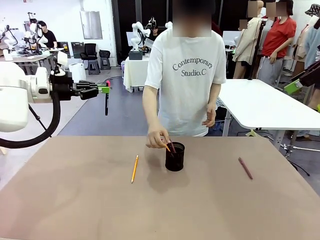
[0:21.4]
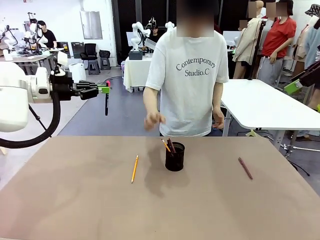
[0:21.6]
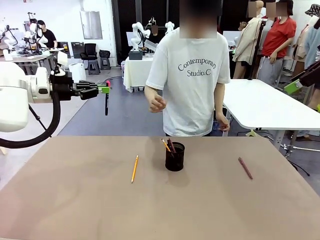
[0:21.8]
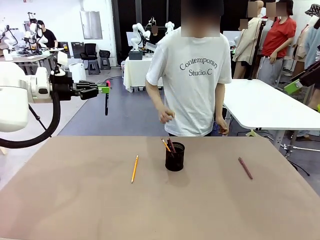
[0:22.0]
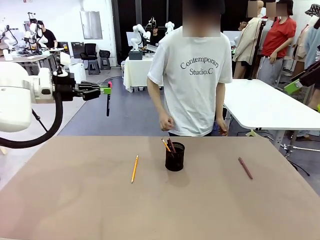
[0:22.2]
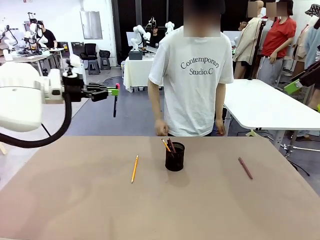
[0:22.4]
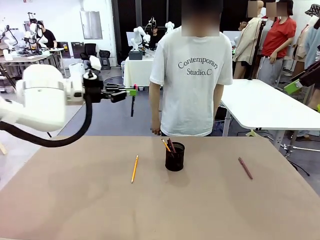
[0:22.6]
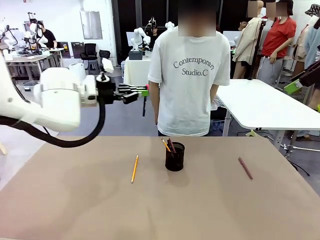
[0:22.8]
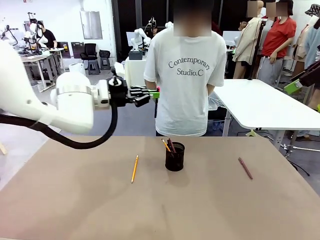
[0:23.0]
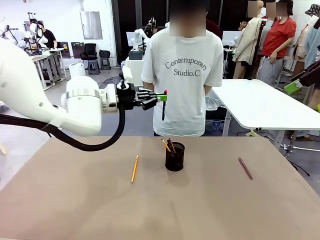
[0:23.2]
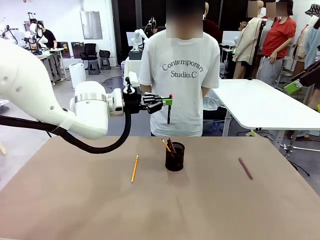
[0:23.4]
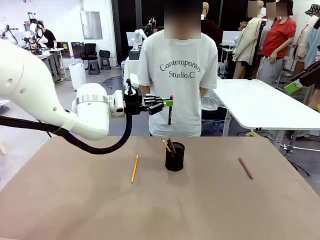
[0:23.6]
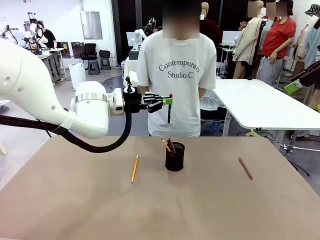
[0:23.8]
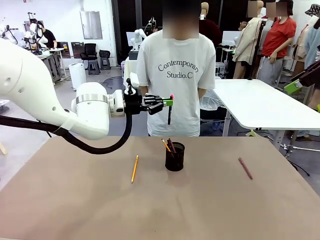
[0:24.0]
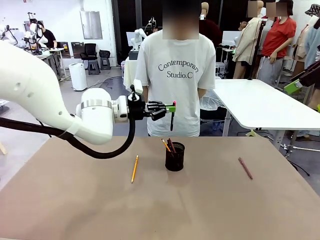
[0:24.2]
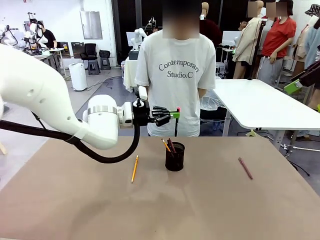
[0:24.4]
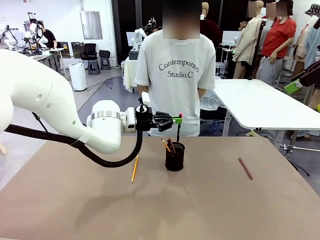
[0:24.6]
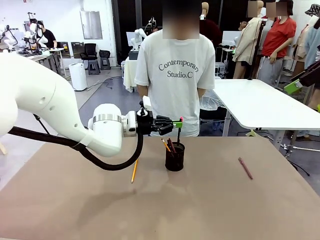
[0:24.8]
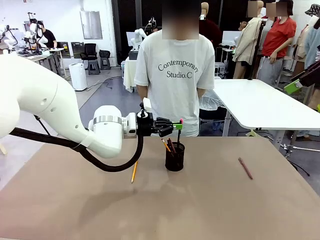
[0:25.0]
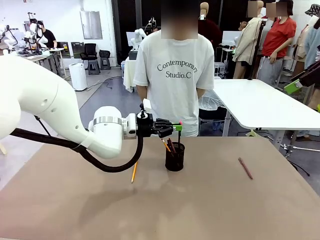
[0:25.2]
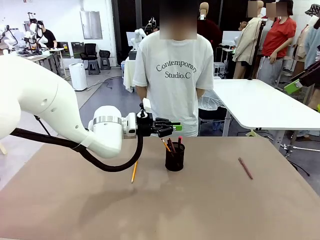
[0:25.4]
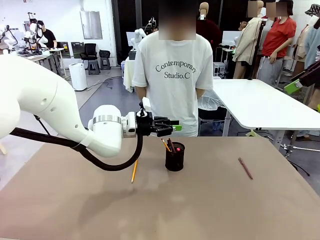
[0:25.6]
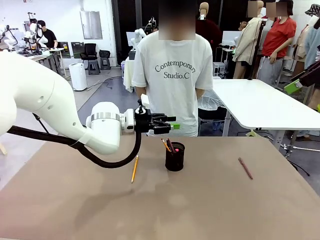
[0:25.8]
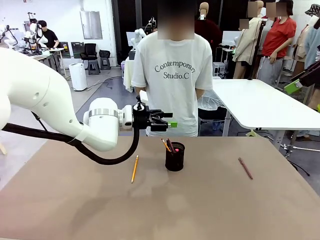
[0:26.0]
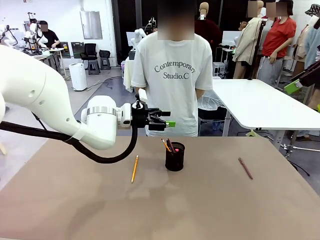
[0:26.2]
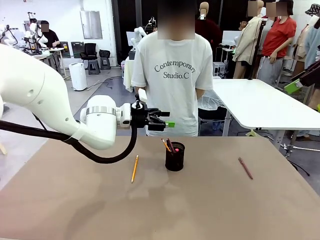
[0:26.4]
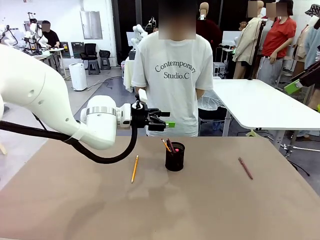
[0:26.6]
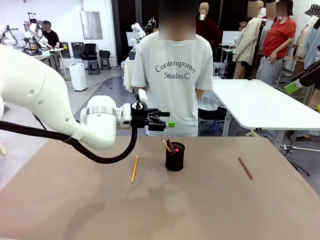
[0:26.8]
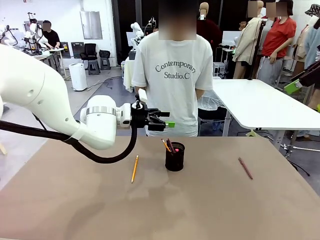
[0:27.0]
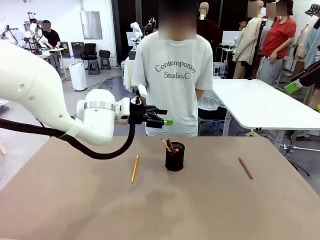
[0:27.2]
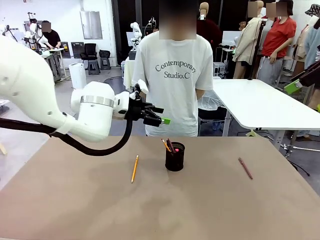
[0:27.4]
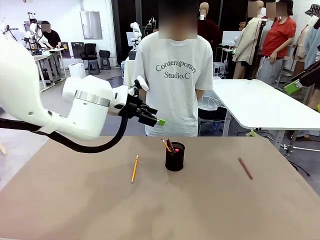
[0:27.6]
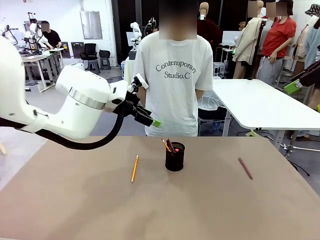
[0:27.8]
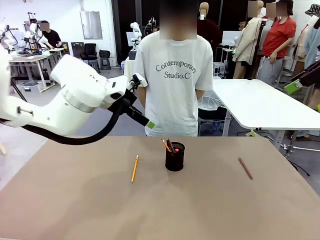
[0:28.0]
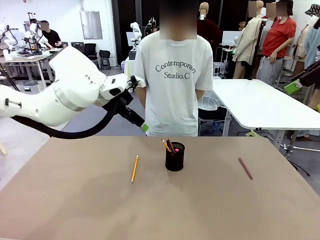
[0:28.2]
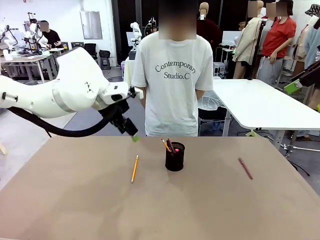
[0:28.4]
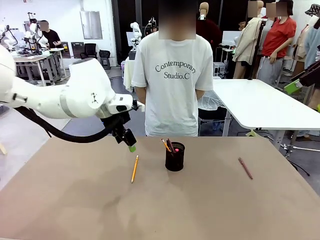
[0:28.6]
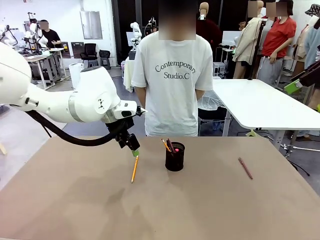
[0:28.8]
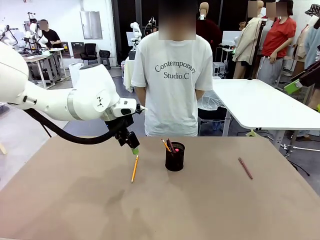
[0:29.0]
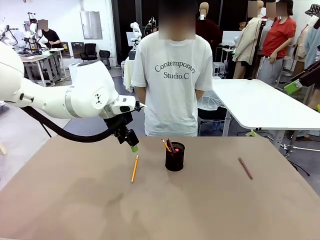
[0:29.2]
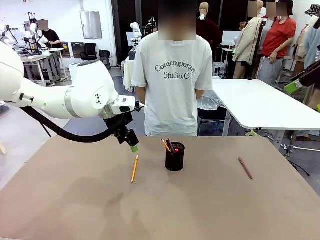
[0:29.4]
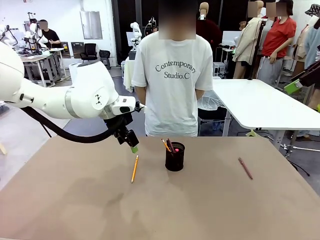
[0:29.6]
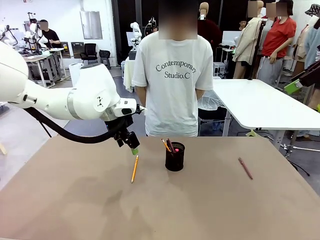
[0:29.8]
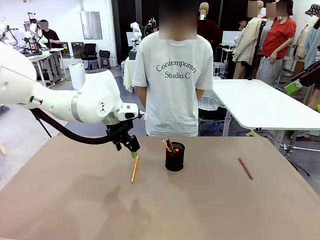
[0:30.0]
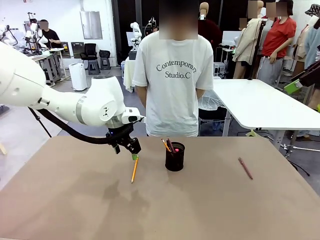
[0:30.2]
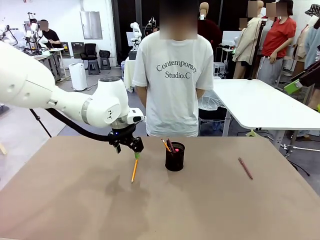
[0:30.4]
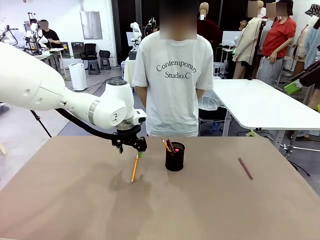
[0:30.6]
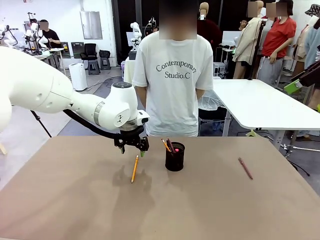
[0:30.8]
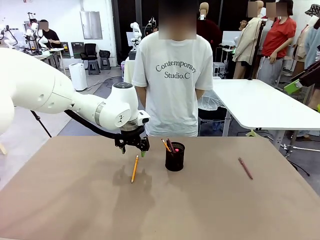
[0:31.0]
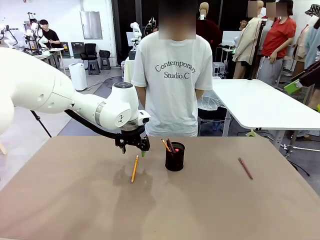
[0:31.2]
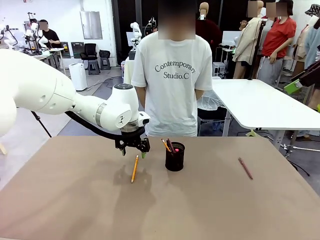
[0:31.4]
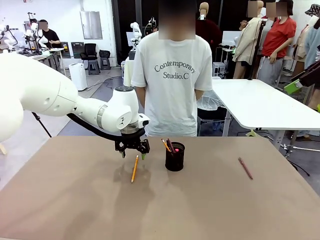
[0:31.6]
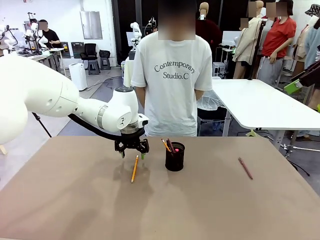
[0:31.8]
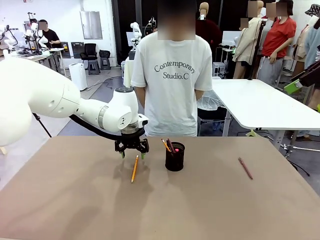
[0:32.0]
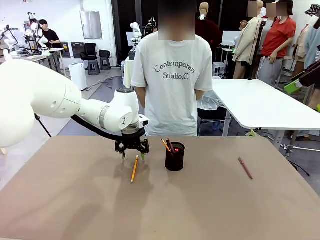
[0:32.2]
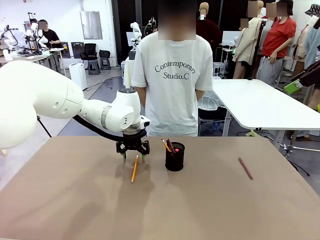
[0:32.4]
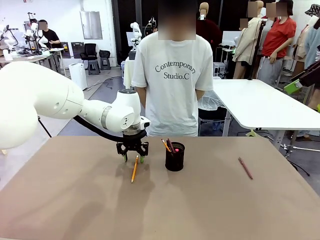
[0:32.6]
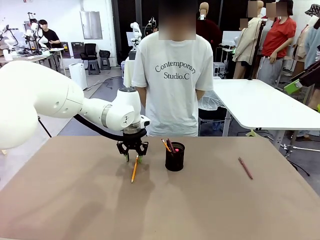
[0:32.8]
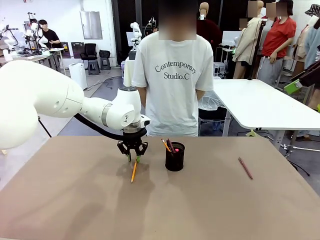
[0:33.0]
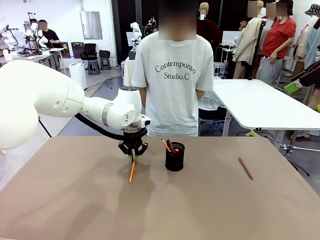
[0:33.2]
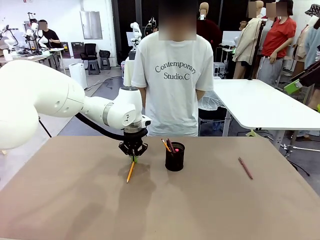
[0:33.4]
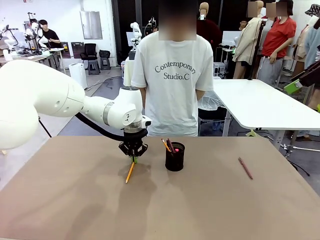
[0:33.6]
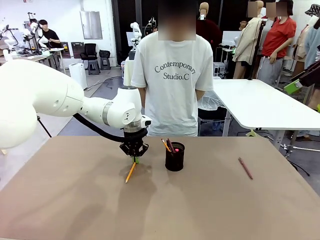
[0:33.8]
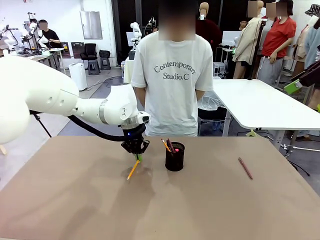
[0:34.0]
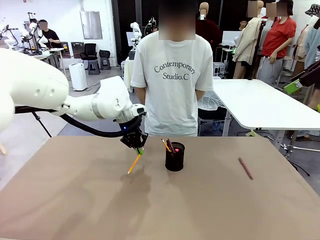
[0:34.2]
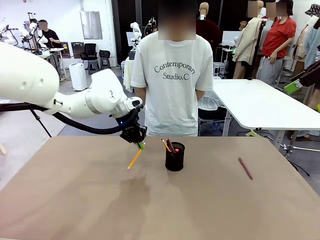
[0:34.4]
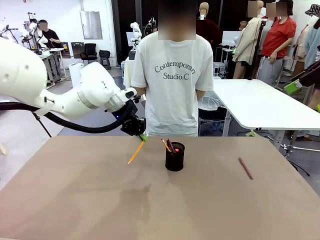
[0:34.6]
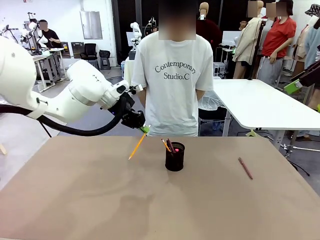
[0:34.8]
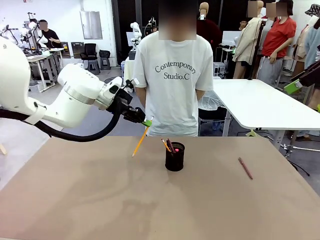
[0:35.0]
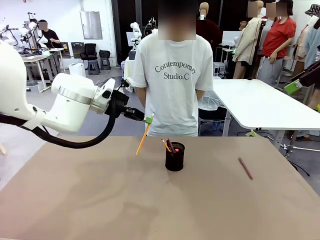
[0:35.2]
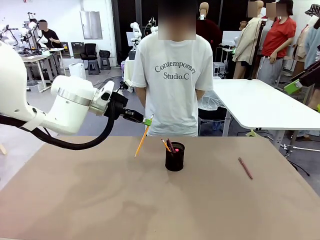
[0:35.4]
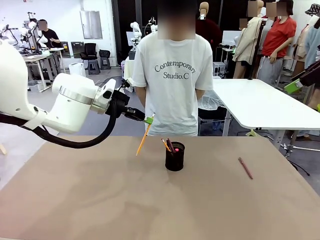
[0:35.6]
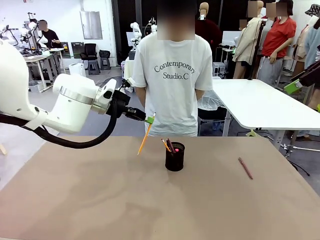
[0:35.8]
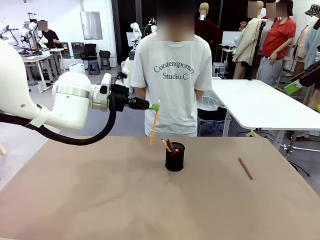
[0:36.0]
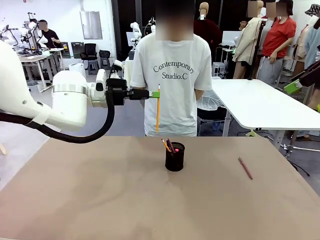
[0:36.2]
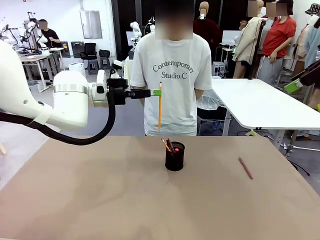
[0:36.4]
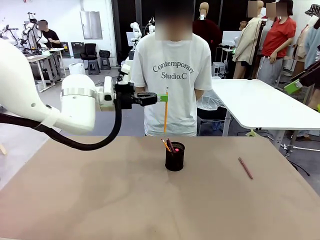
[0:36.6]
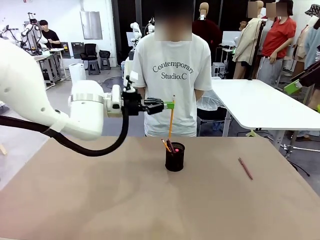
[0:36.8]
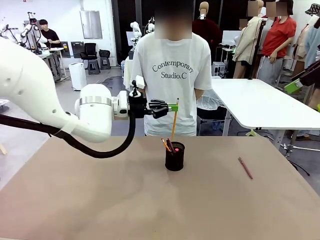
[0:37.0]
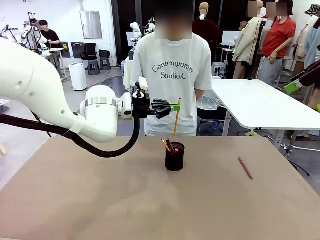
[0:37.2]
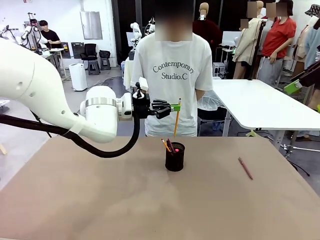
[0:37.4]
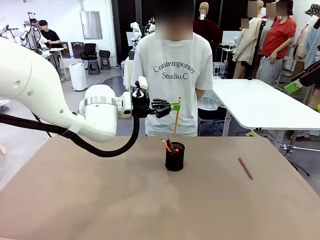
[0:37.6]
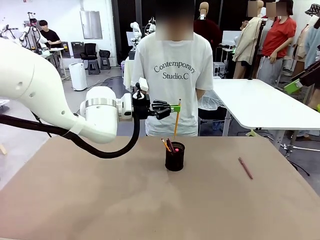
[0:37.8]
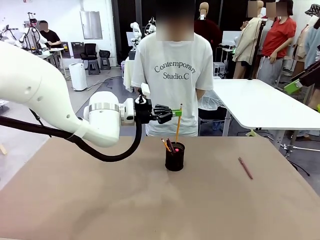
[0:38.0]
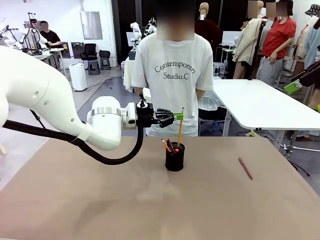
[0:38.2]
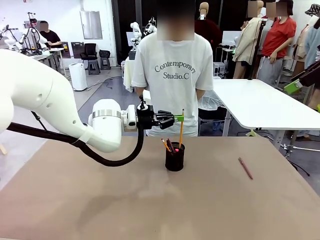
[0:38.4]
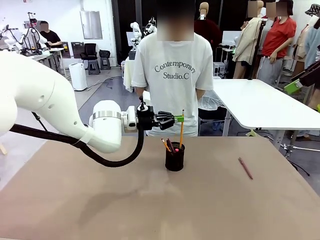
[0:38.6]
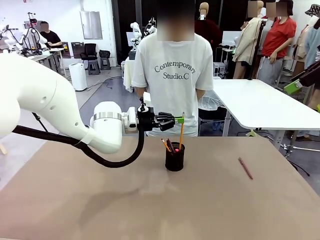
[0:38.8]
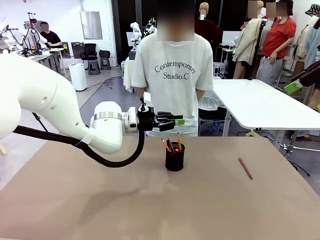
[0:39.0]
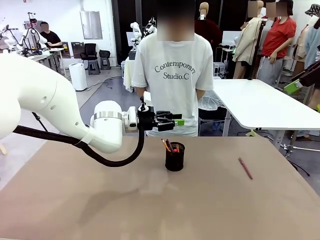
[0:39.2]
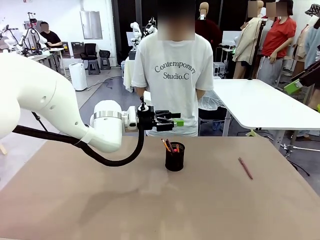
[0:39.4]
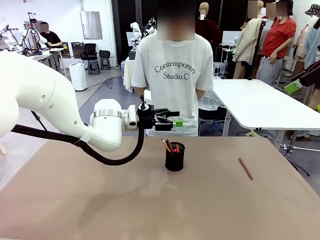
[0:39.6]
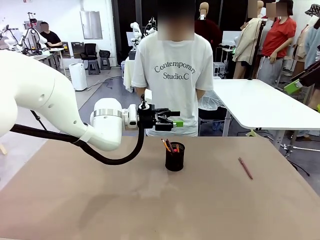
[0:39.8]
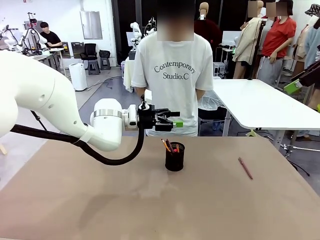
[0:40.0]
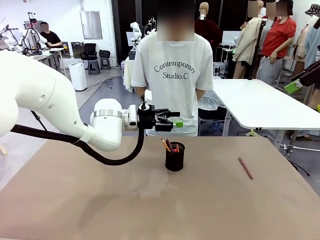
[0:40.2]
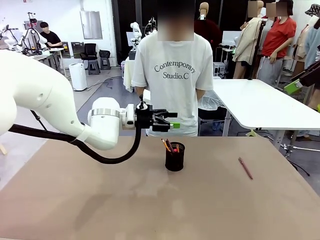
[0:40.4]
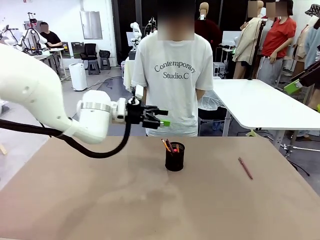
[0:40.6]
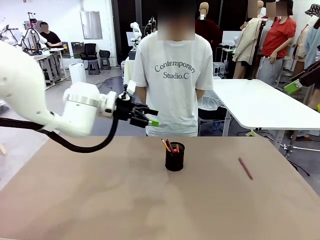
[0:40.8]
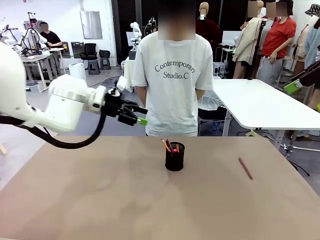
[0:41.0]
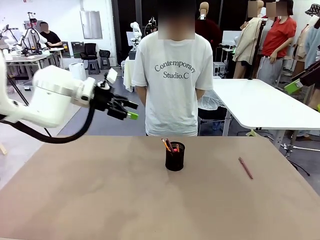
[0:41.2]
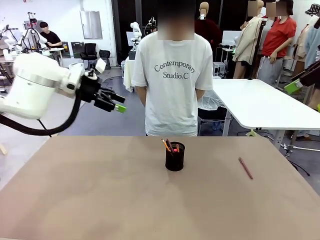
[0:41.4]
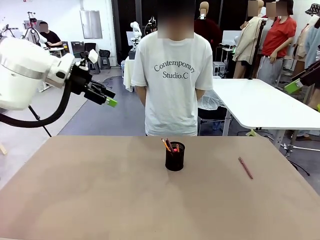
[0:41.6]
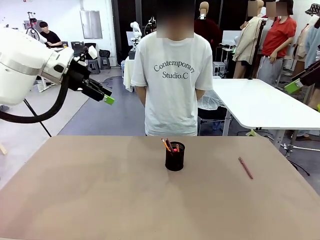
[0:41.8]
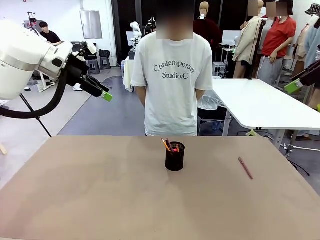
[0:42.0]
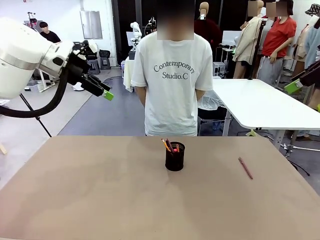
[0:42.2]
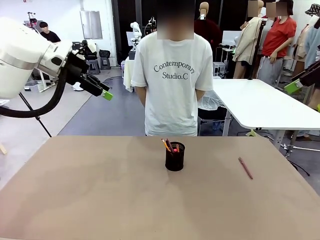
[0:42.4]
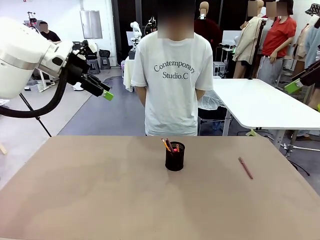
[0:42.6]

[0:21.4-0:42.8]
Task: Place the pens into the pen holder.
Robot: Pick up a writing instrument from the table and place it into the Pen holder.
